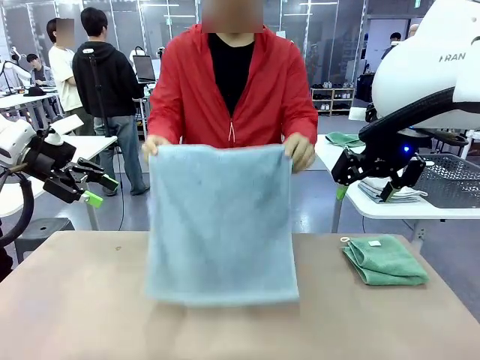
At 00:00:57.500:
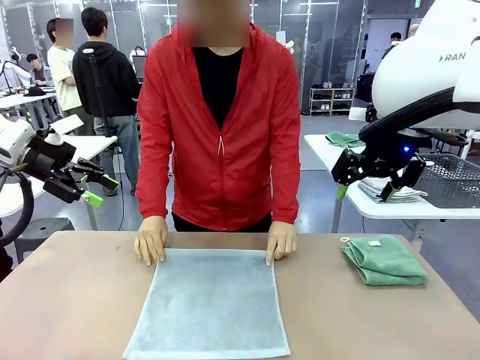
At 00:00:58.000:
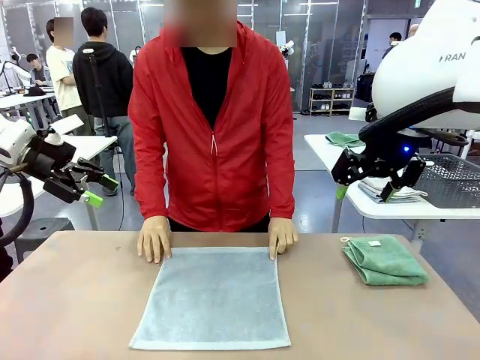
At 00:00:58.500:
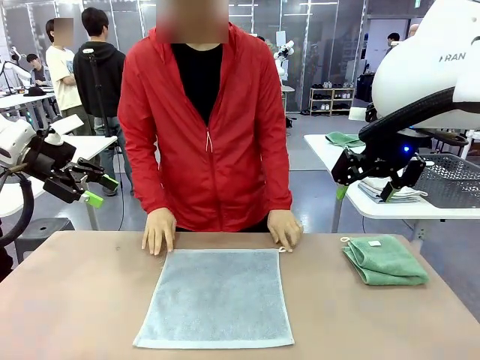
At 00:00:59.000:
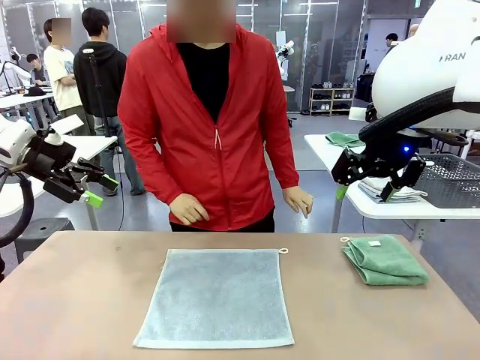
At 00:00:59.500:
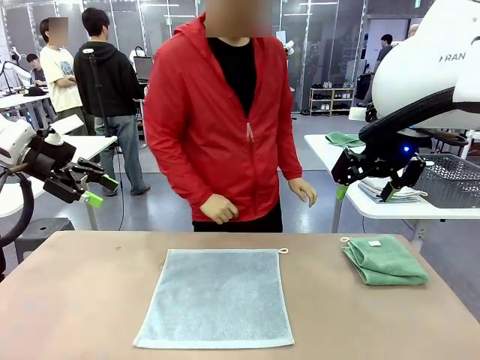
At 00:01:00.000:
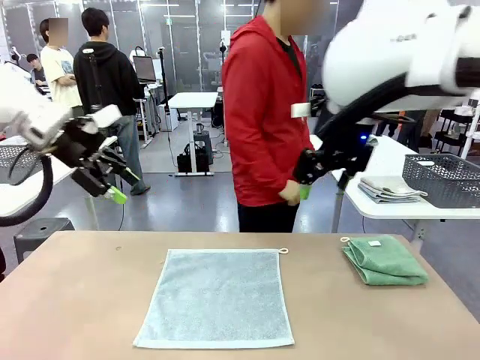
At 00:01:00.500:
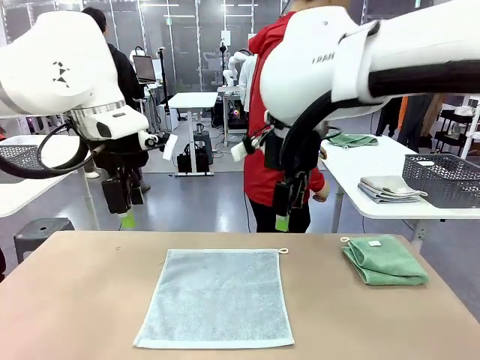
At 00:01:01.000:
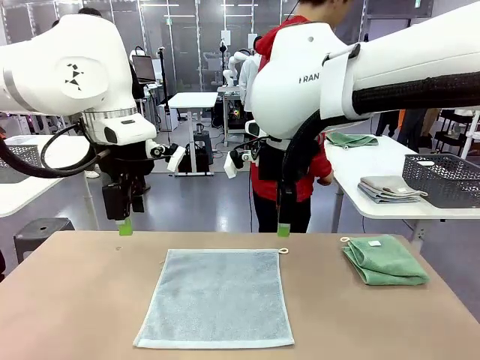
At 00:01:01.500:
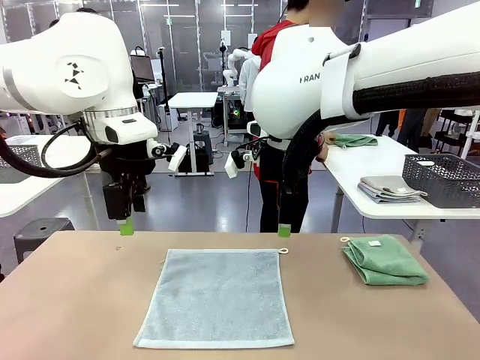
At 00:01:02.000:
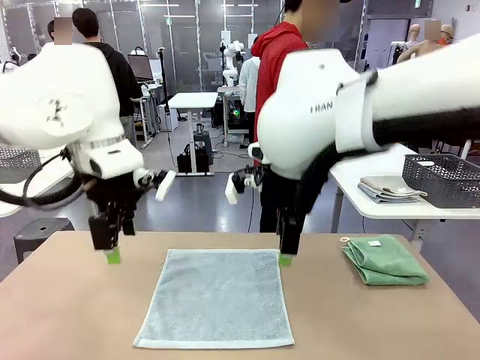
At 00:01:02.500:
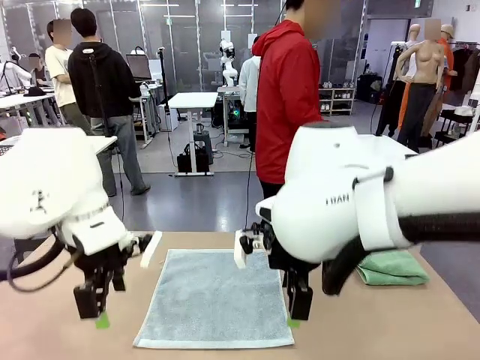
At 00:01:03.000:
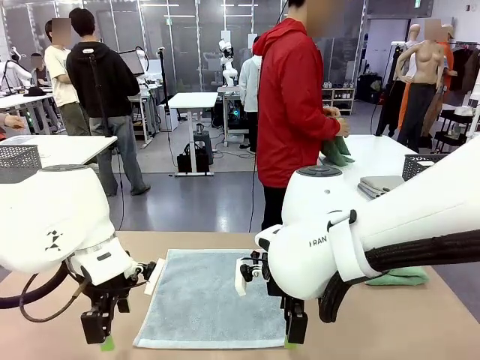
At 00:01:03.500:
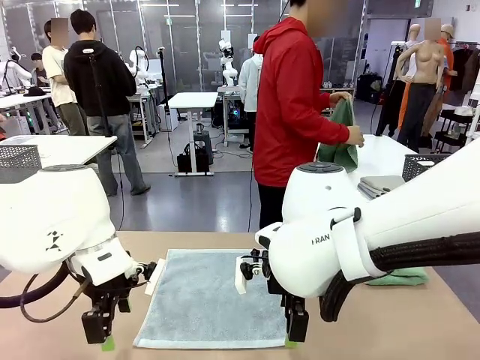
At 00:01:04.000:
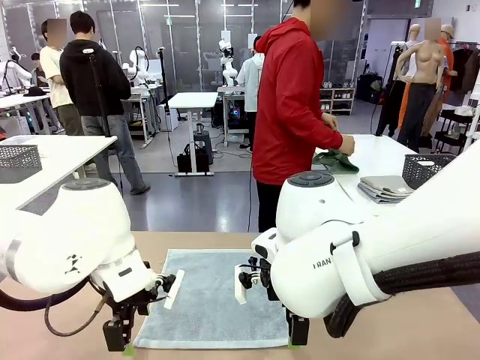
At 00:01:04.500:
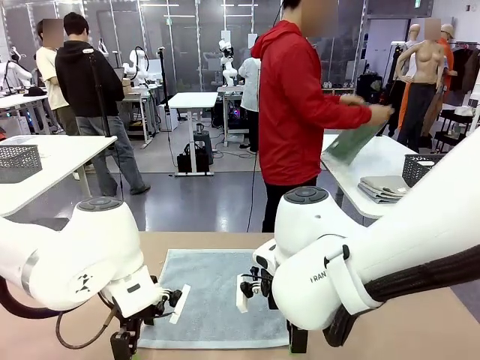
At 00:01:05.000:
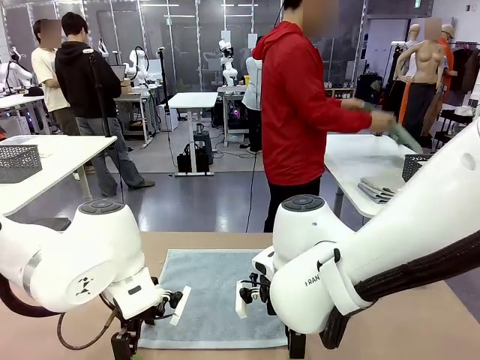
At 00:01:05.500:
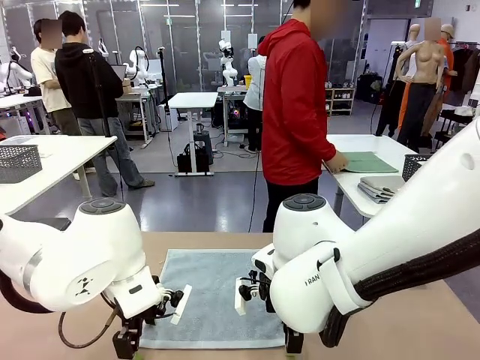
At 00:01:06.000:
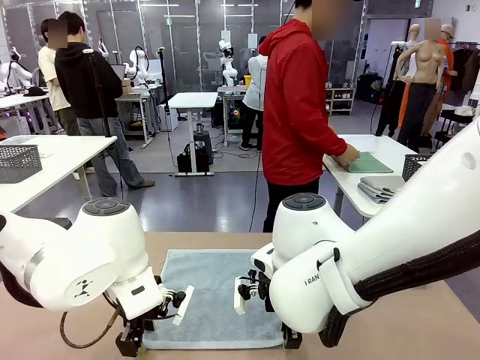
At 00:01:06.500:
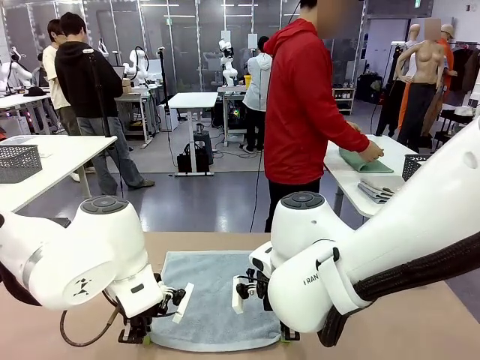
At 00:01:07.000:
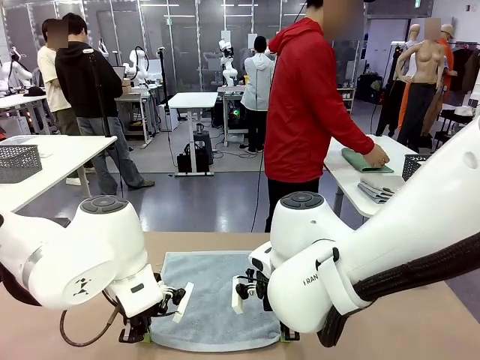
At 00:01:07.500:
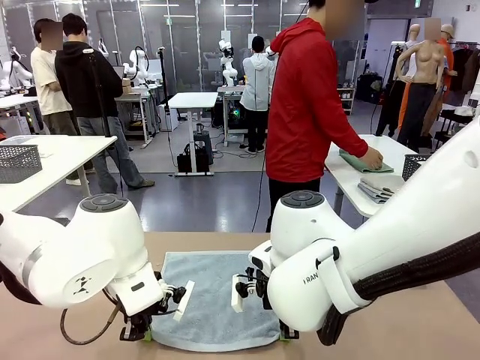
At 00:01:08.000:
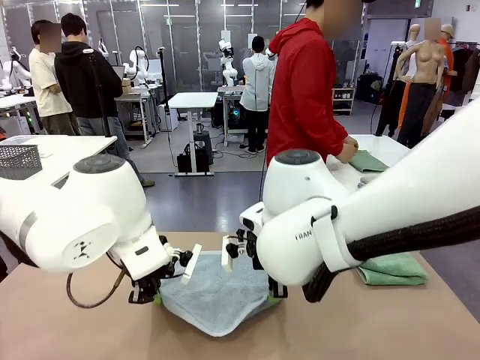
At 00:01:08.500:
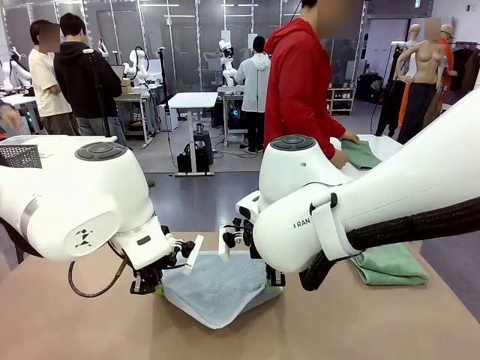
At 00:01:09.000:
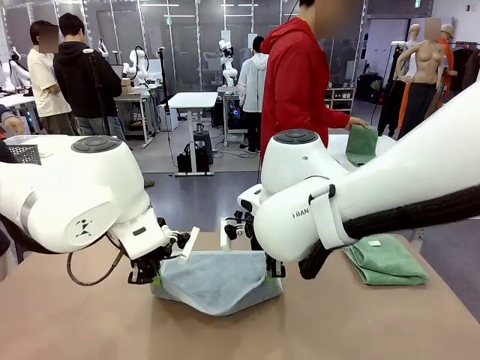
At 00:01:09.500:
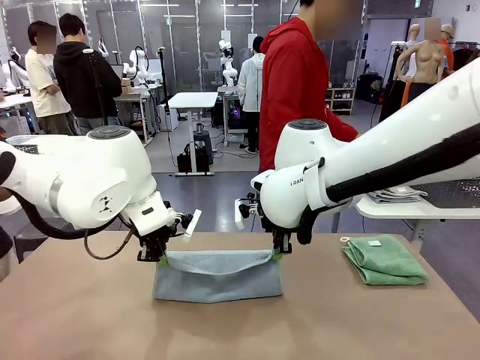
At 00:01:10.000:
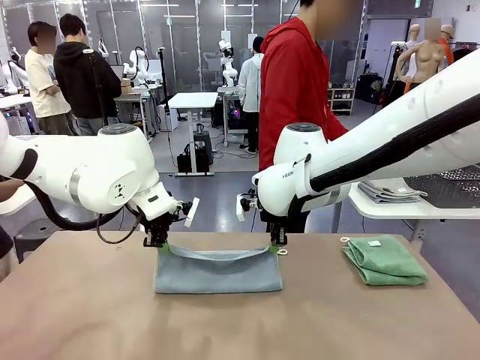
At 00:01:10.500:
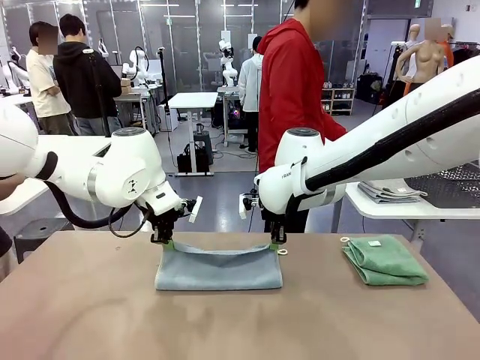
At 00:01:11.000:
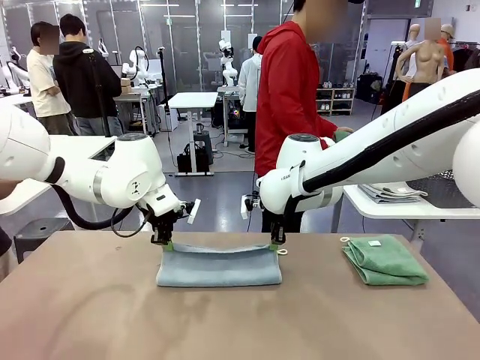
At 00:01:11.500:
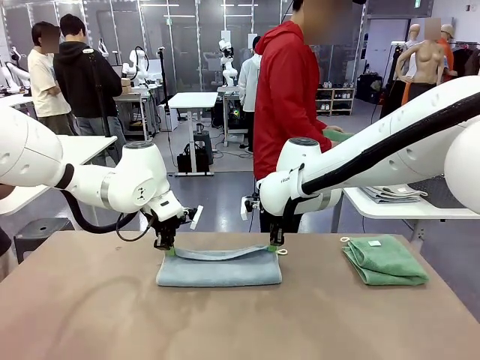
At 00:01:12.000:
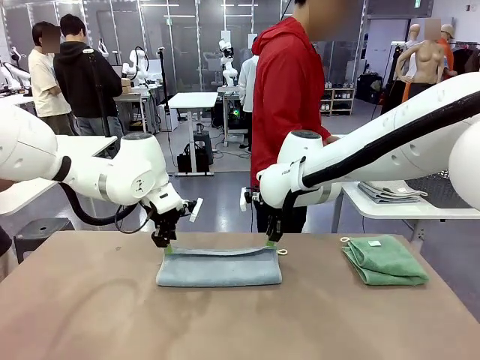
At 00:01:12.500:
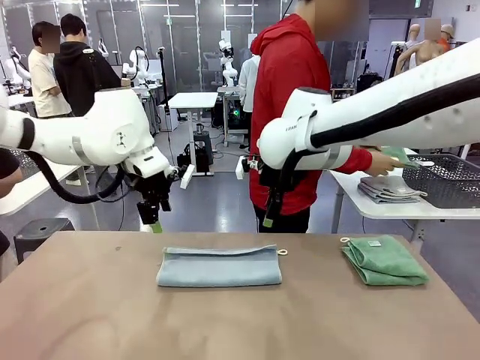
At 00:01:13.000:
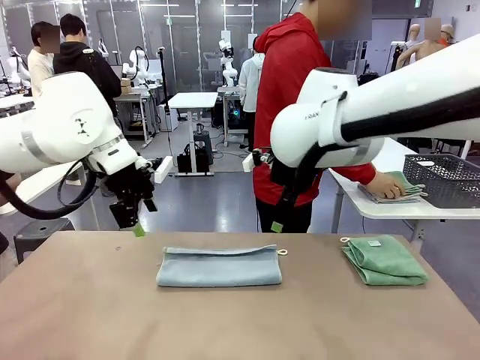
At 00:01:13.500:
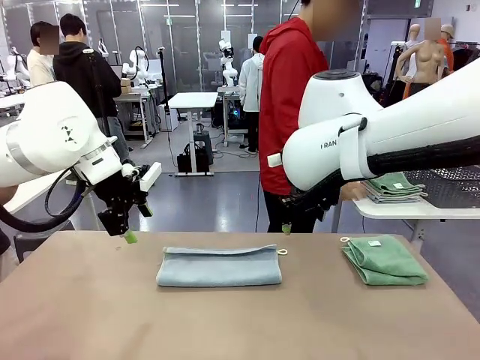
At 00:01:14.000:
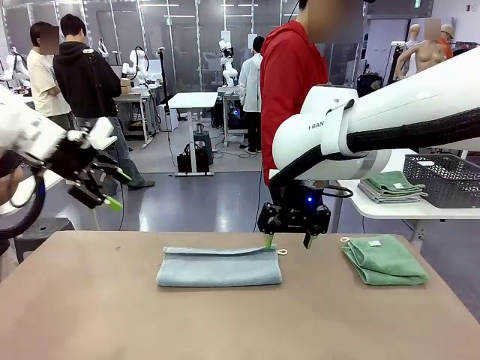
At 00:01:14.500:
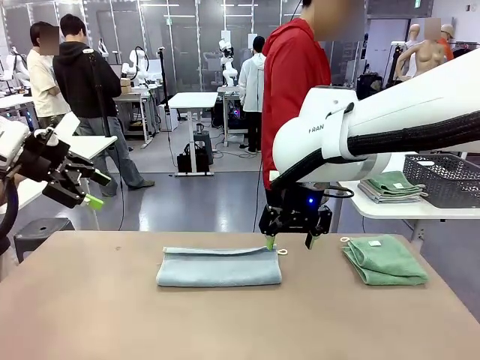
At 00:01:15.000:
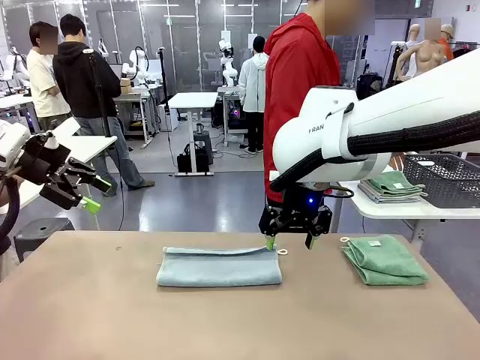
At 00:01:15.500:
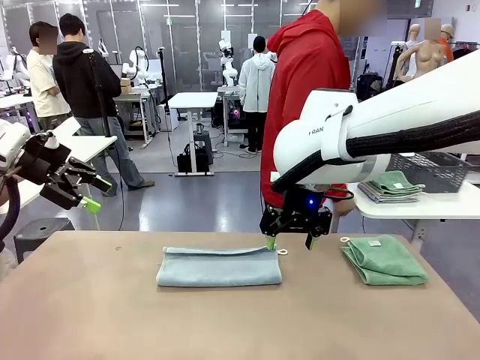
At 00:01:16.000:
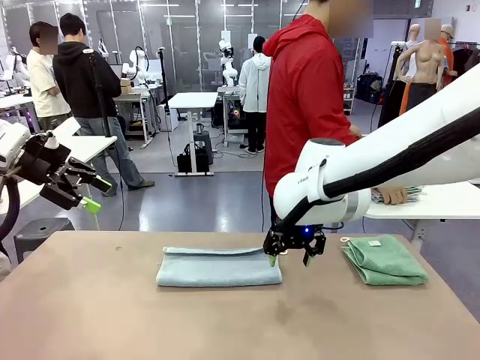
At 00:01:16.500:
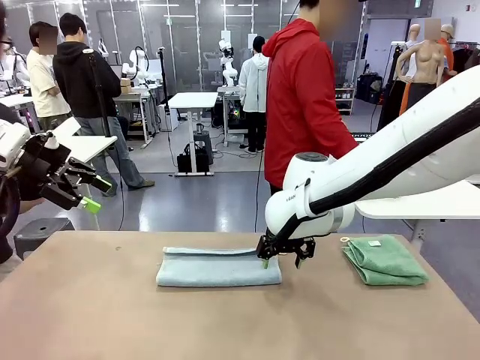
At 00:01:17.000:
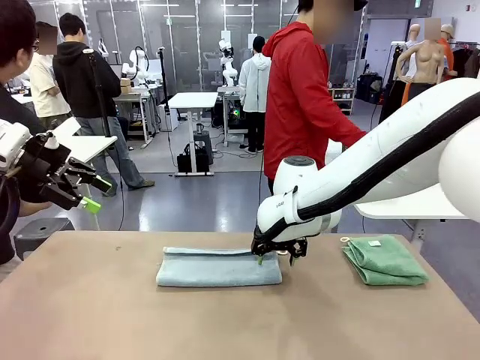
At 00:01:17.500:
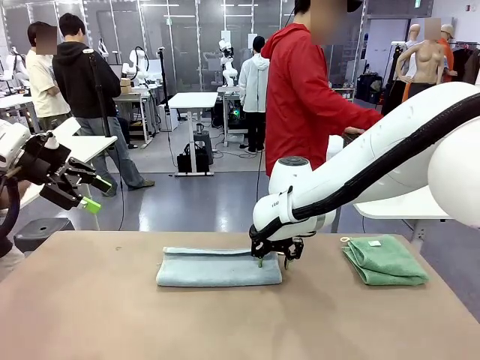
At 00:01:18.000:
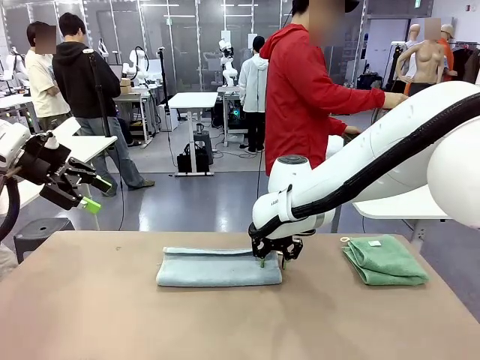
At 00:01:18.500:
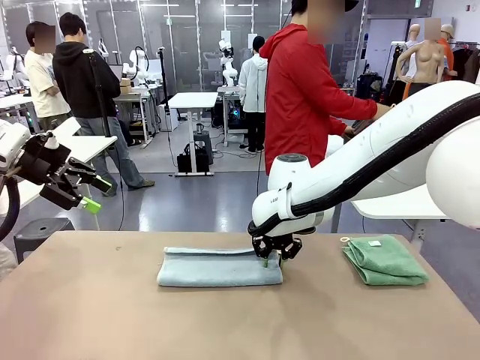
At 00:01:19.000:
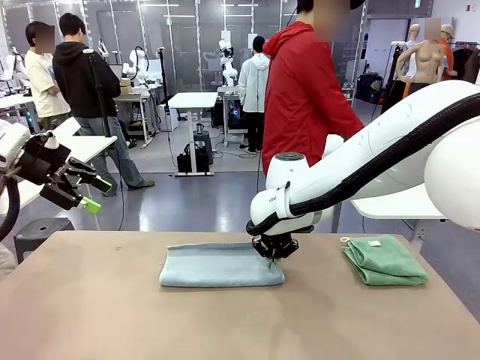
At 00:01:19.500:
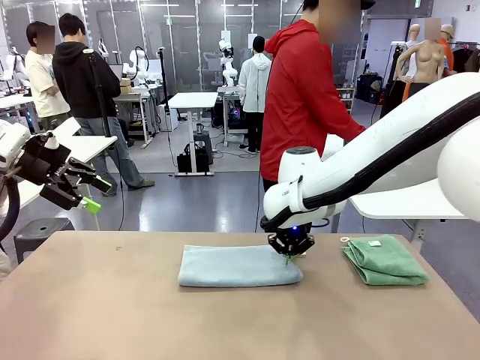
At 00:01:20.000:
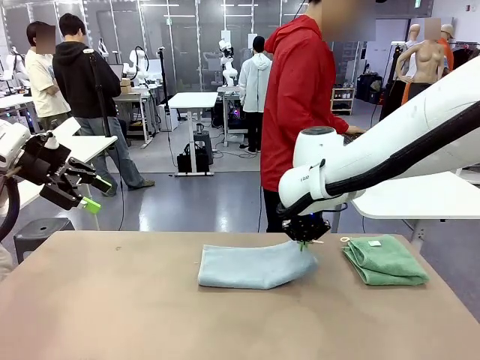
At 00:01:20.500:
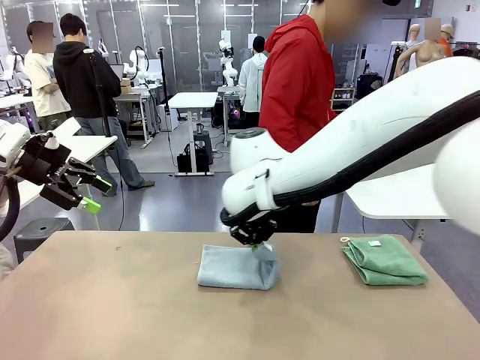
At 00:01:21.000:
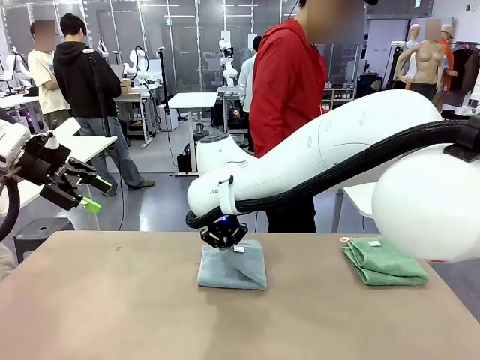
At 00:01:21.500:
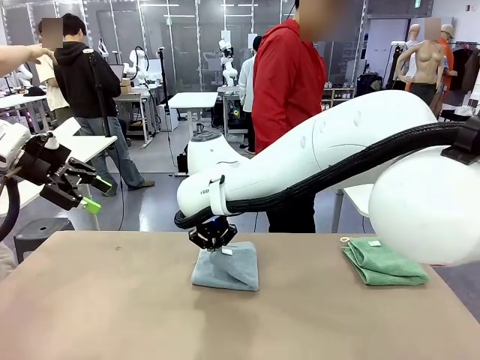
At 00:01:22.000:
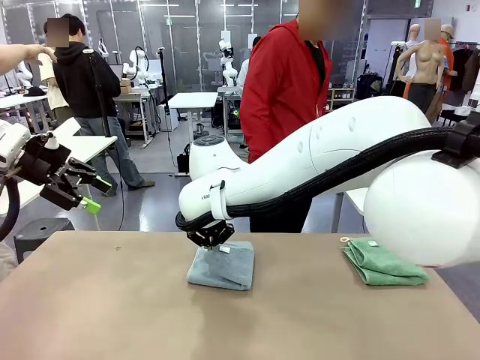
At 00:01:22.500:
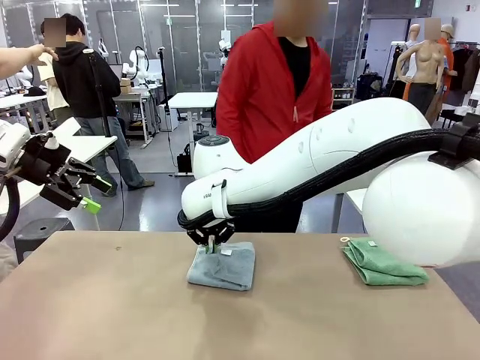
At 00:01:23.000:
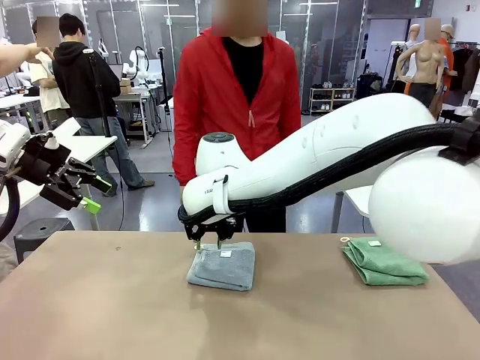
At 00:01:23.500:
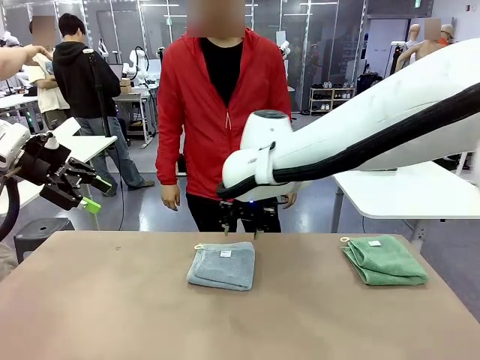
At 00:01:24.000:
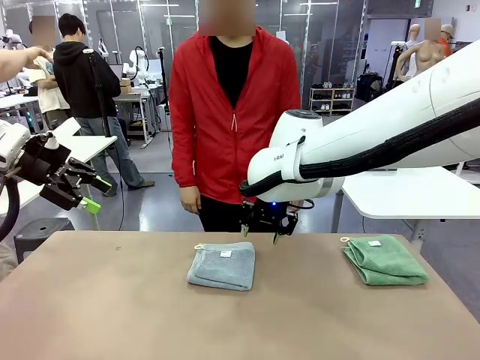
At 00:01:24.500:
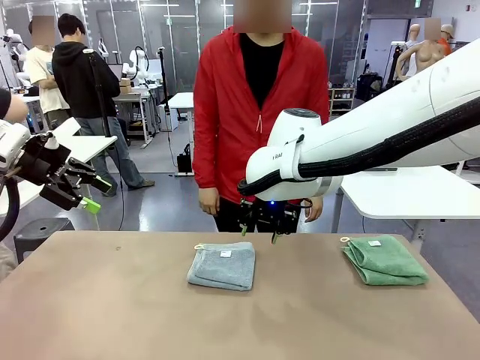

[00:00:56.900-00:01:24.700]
Task: Fold the towels and place them in the basket.
Robot: When a person lays out a Towel with hook on the table, fold it in half twice.
Person: Pick up one towel from the left side of the human table, fold it in half twice, and stack it on the right side of the table. Pick up the stack of towels from the right side of the human table, place it into the basket, and put the basket at the center of the table.
